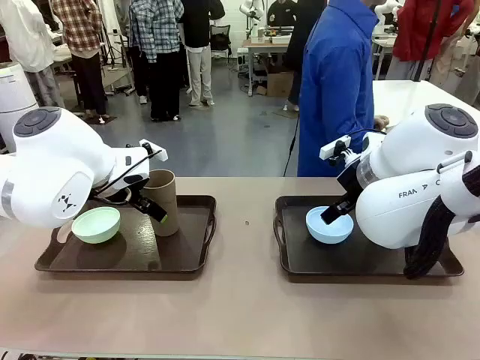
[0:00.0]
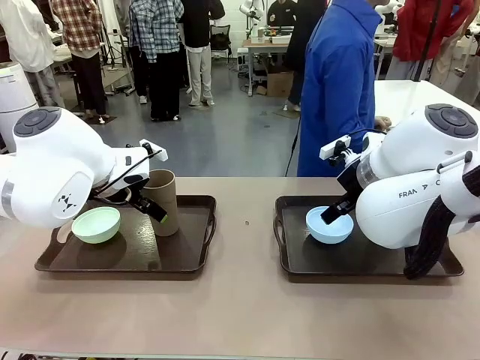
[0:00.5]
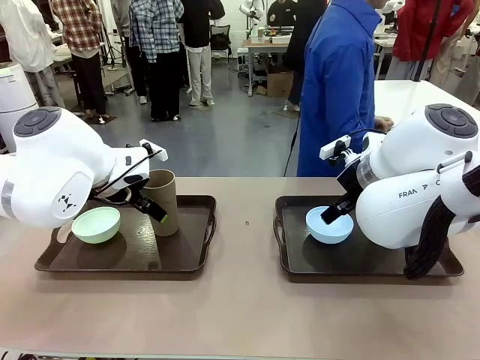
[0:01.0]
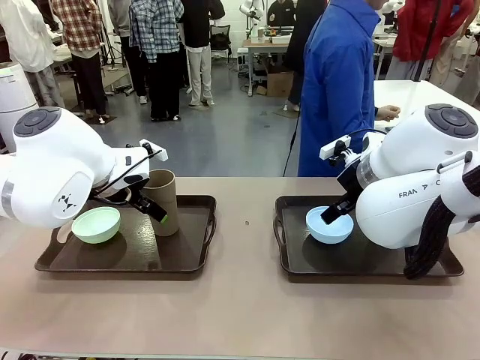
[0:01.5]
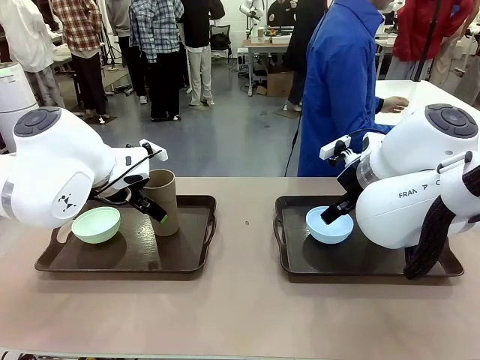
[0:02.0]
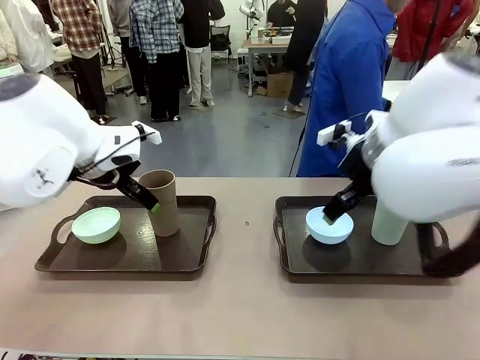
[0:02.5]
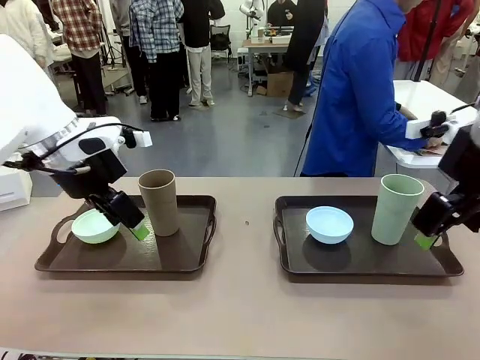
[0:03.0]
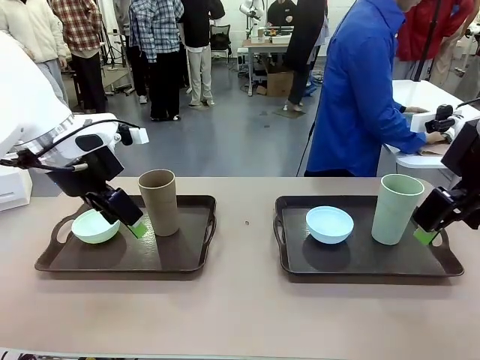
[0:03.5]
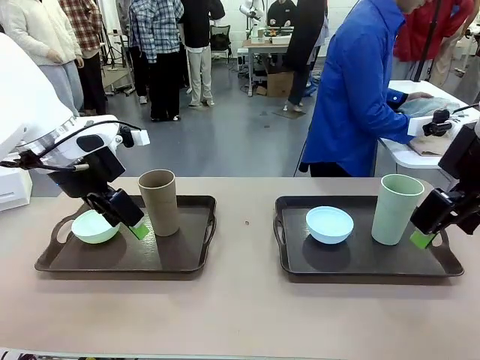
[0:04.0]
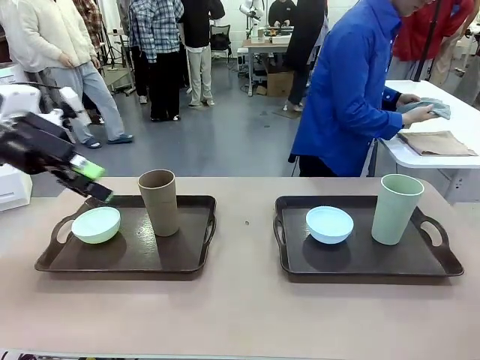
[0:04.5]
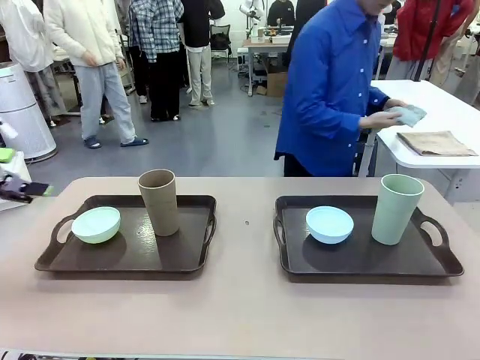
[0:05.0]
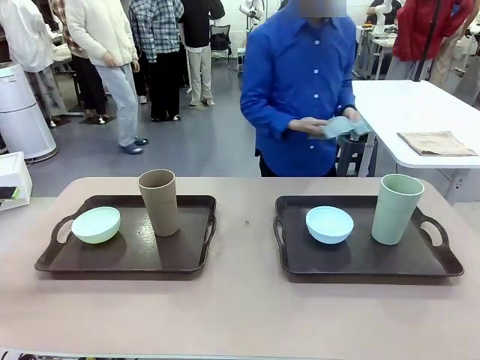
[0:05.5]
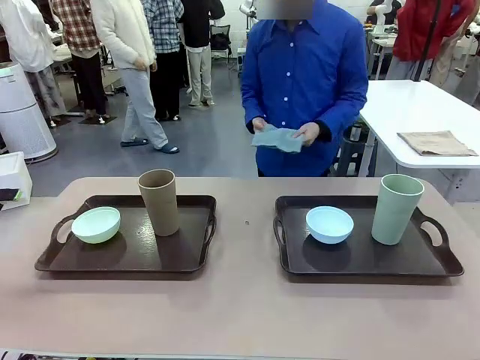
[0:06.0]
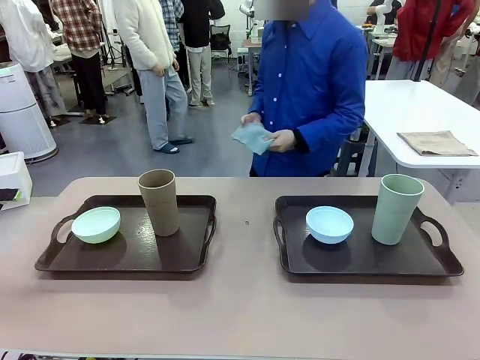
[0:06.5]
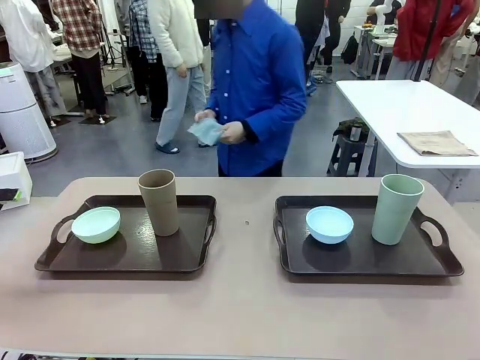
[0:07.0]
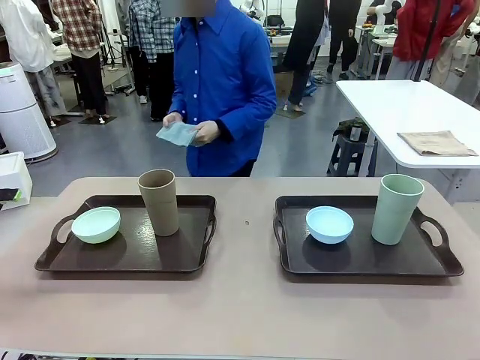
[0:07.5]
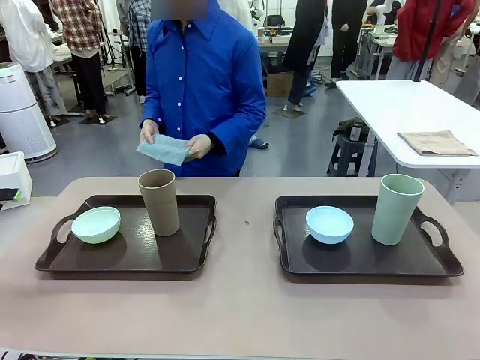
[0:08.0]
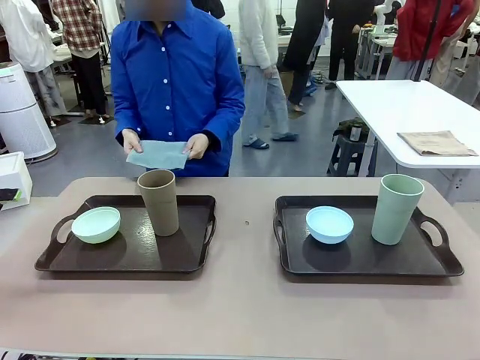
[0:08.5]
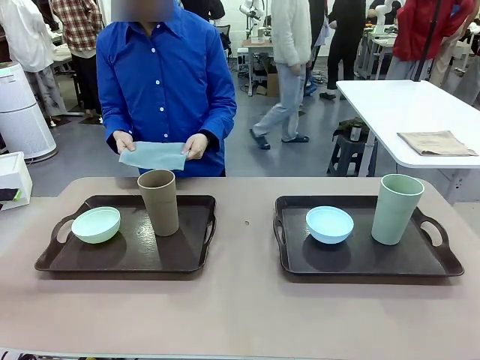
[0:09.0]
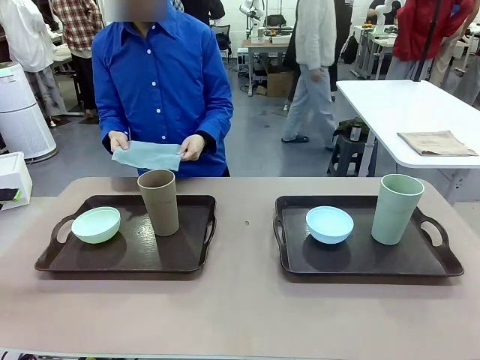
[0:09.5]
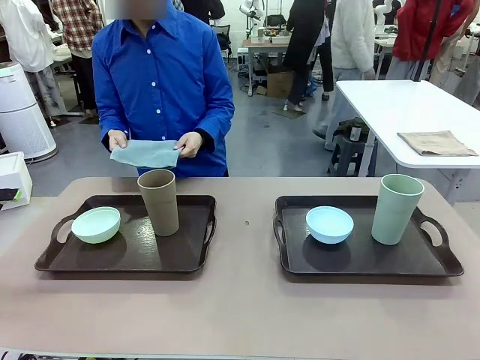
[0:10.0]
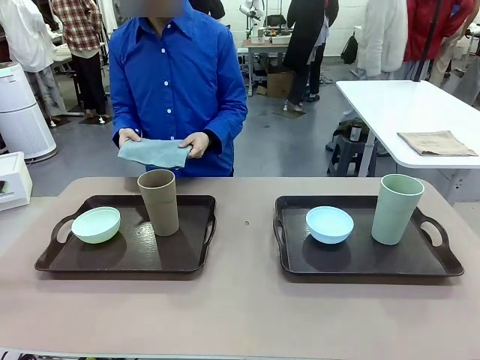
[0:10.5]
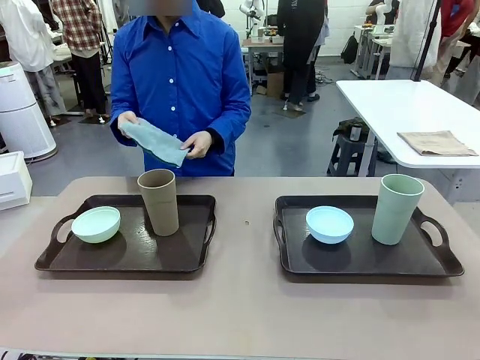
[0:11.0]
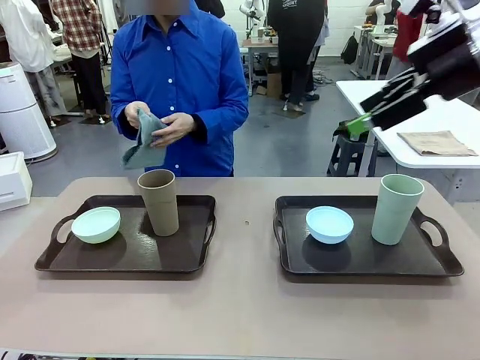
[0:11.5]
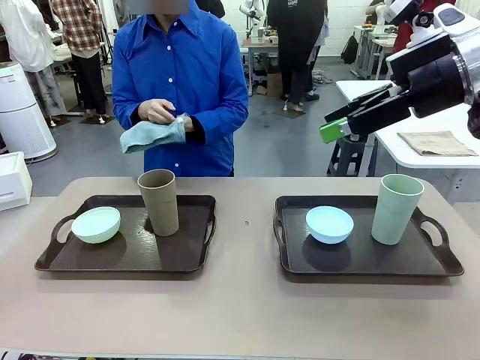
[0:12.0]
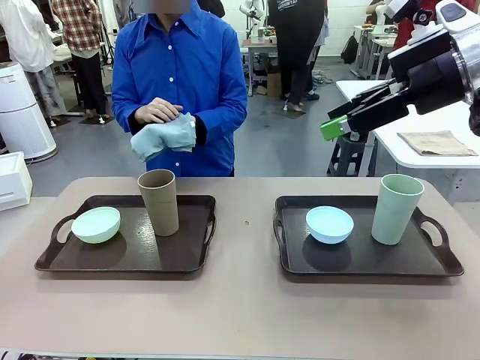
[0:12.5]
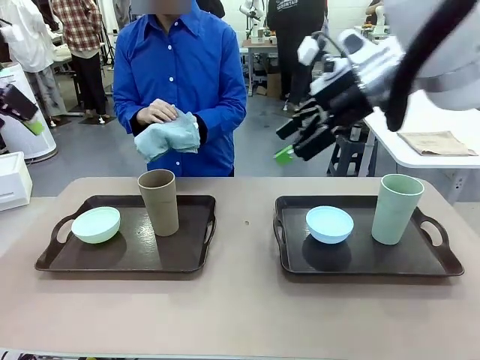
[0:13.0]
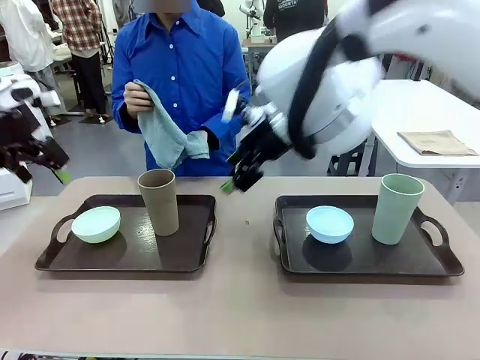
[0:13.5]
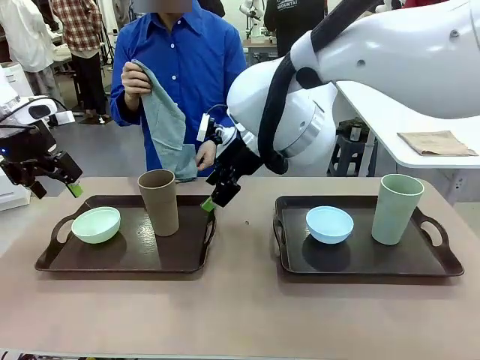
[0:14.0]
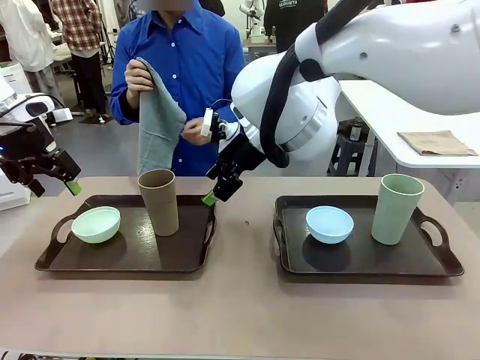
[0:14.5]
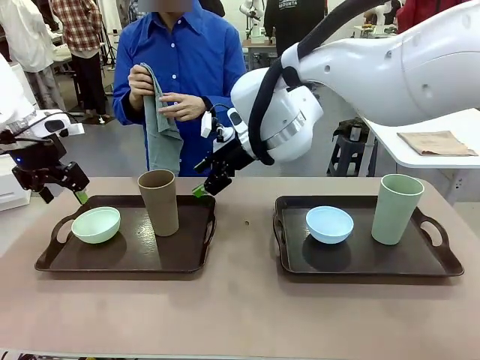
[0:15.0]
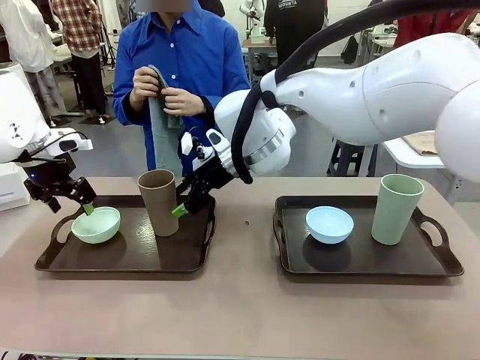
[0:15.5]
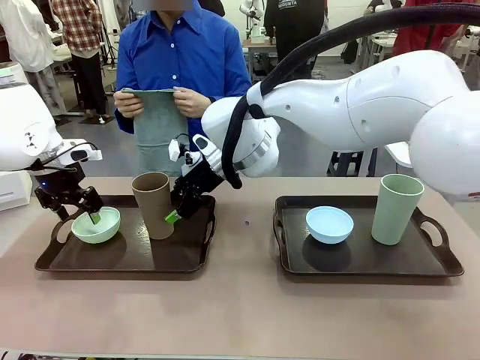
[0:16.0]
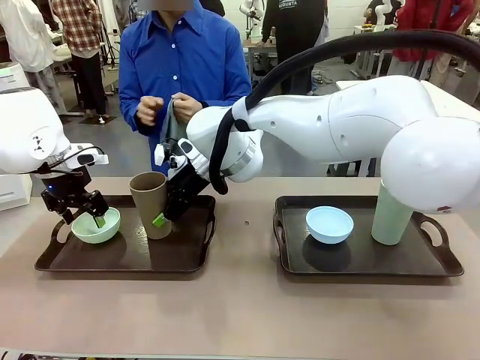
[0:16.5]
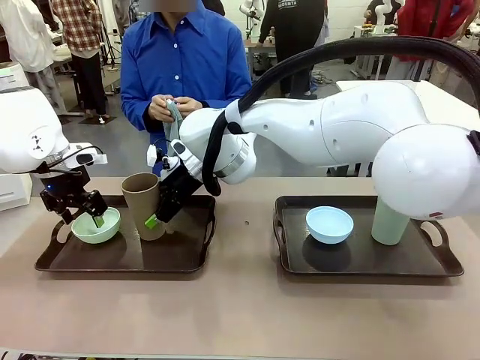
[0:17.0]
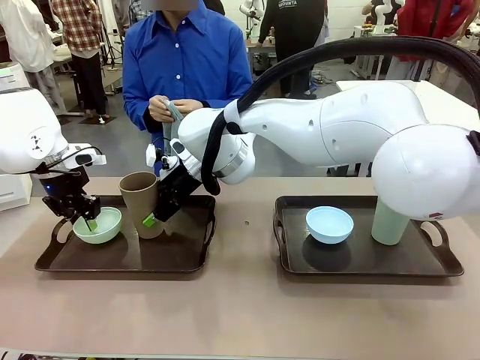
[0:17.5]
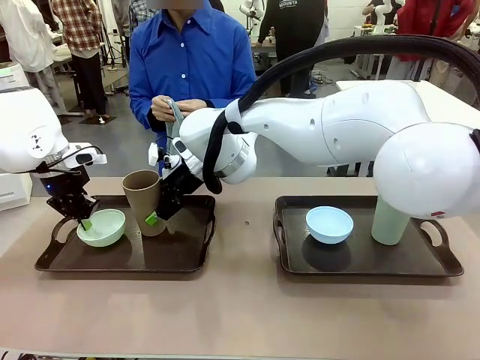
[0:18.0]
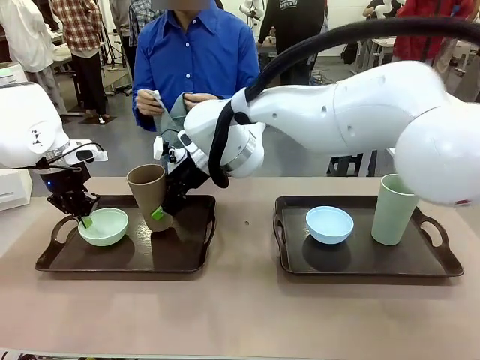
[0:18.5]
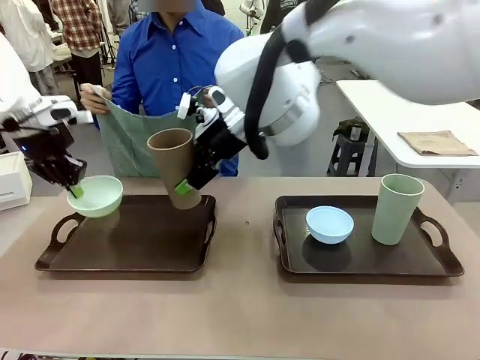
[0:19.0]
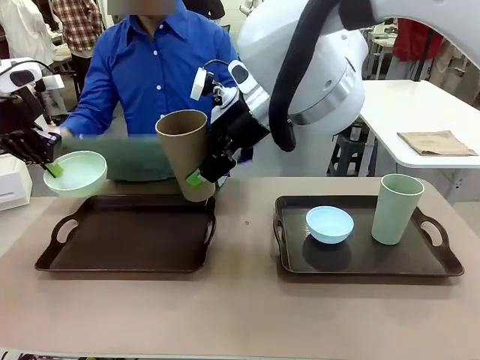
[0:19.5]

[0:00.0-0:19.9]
Robot: Pick up the Picnic Bowl and Reusable plastic cup from the Handle tray in front of the human's position and hold them in the air.
Person: The human picks up the top napkin from the stack on the human table and walks to the robot table to stand in front of one of the two trays. When the robot lifts the bowl and the cup, the human unfolds the napkin and lays the napkin flat on the tray.

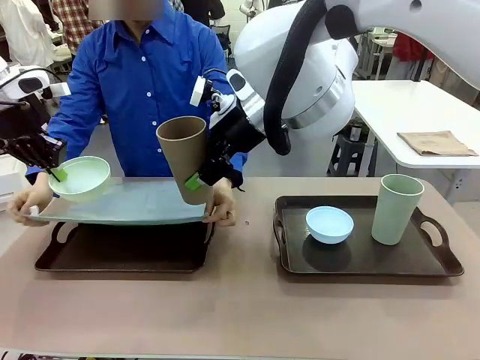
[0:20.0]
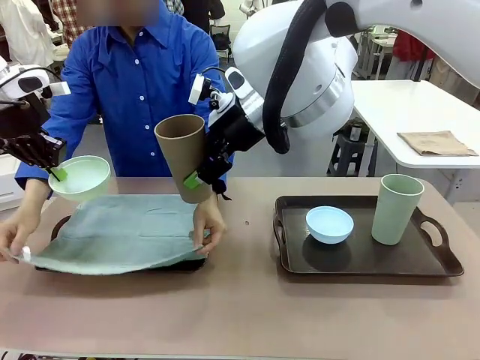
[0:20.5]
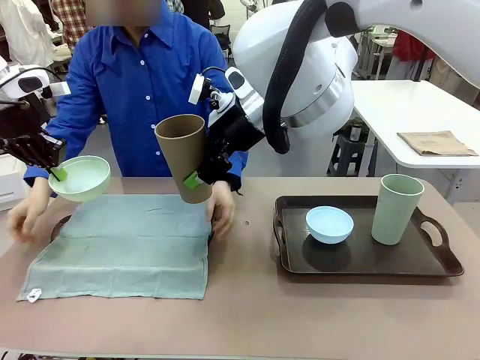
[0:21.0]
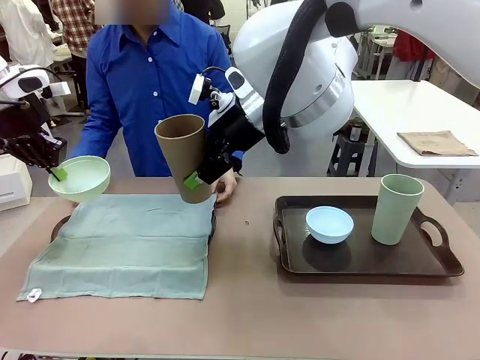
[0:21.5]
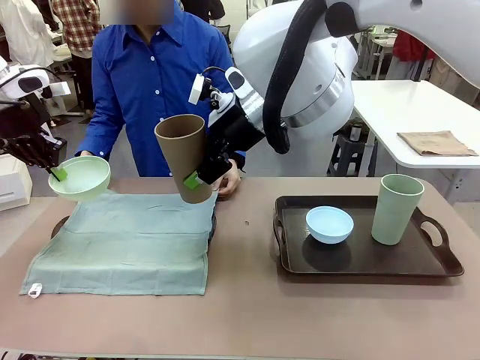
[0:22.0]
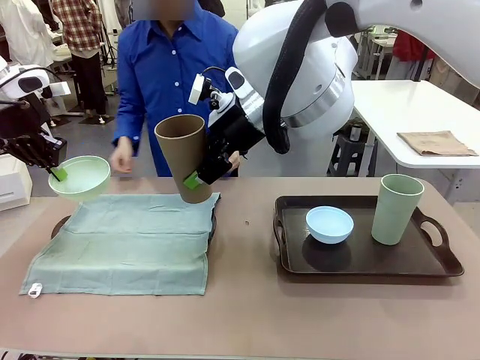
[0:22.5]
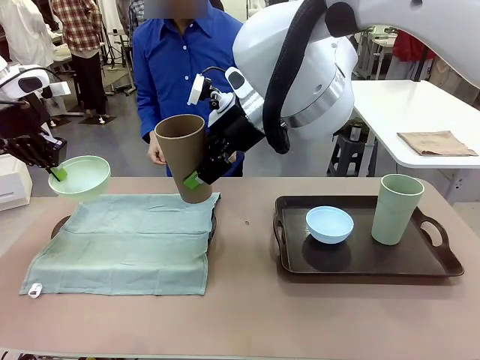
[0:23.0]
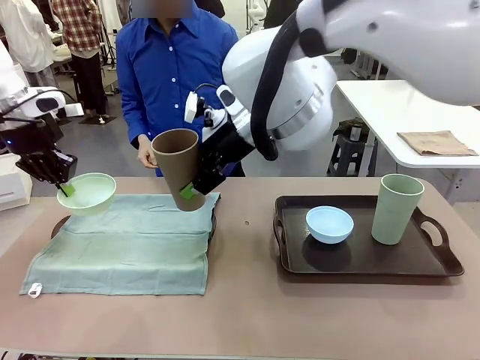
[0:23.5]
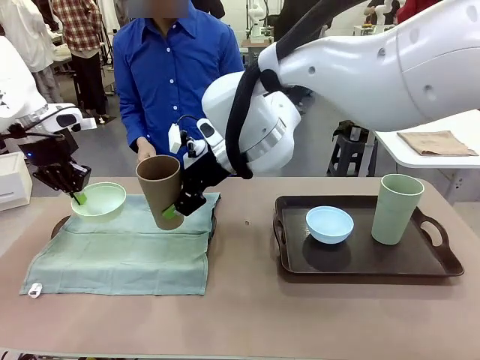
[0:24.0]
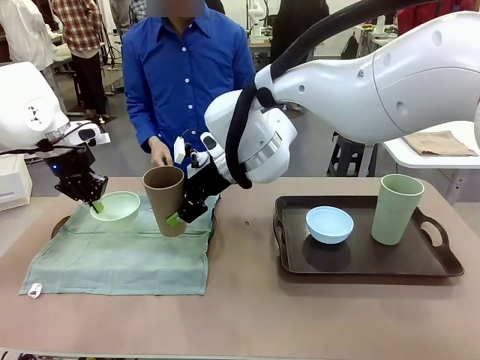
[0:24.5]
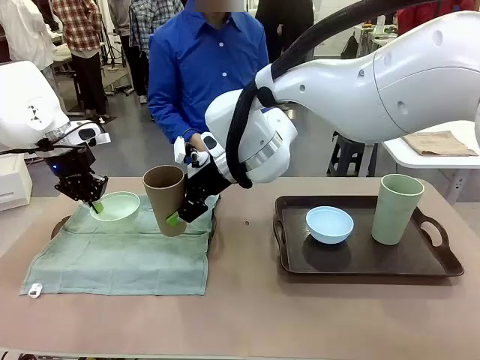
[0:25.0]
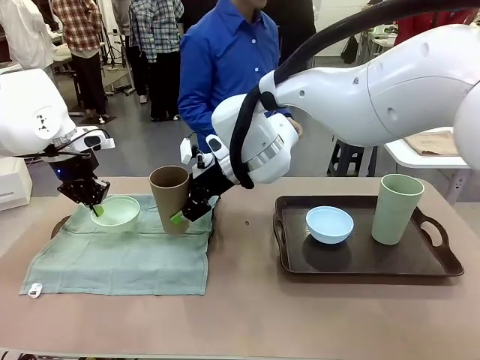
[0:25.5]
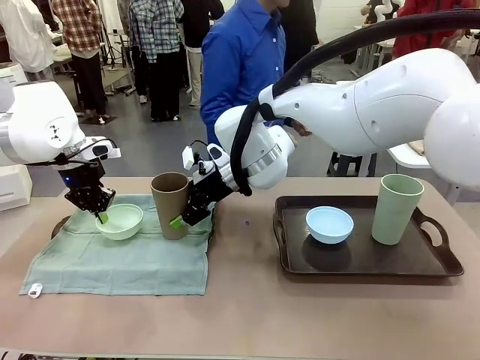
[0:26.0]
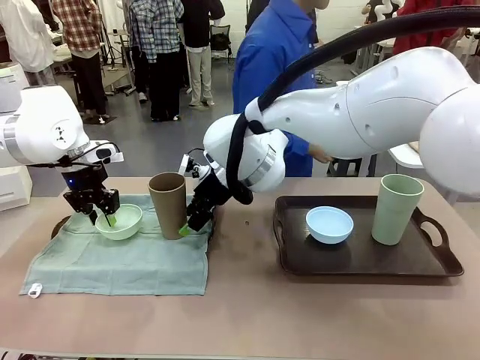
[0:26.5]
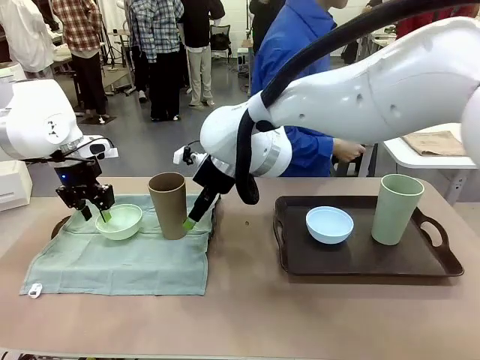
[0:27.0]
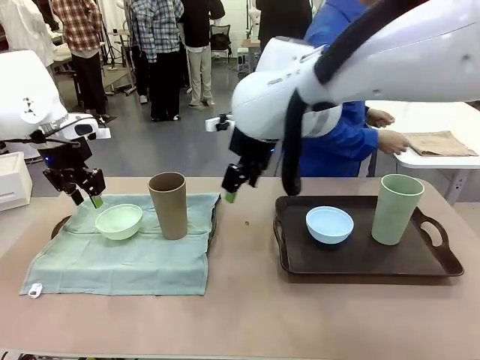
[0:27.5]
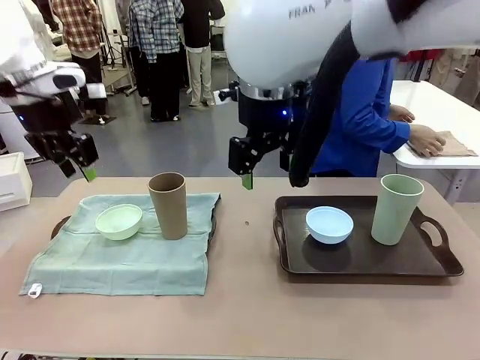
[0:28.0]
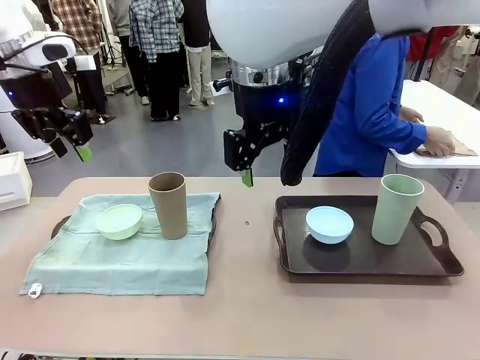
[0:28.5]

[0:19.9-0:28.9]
Robot: Place the Picnic Bowl and Reusable plastic cup back onto the Handle tray in front of the human's position.
Person: The human returns to the human table to pick up another napkin and walks to the robot table to stand in front of the tray without a napkin.
